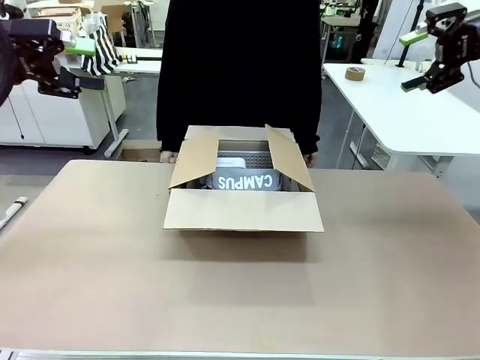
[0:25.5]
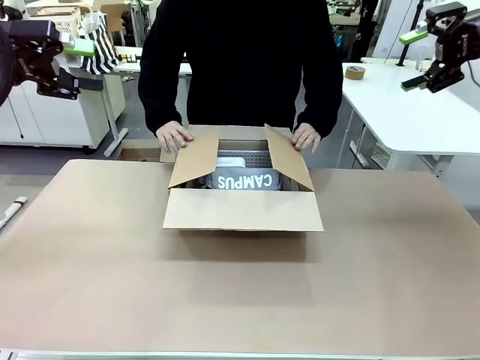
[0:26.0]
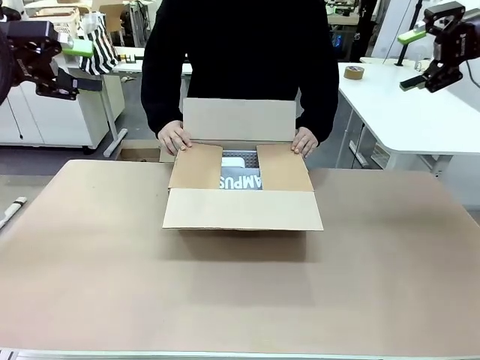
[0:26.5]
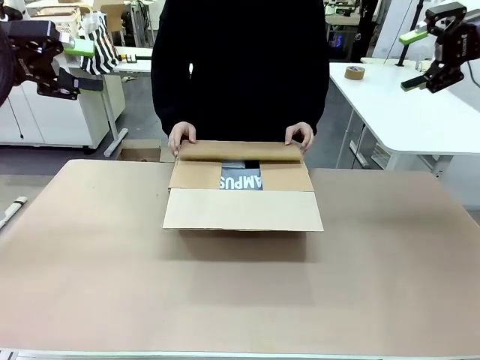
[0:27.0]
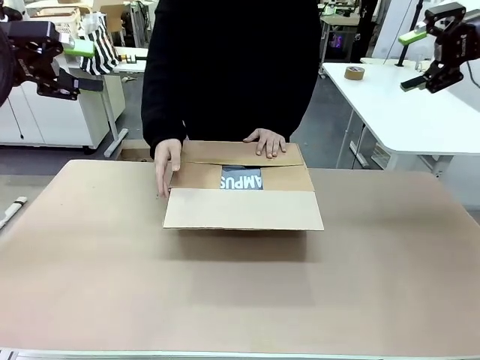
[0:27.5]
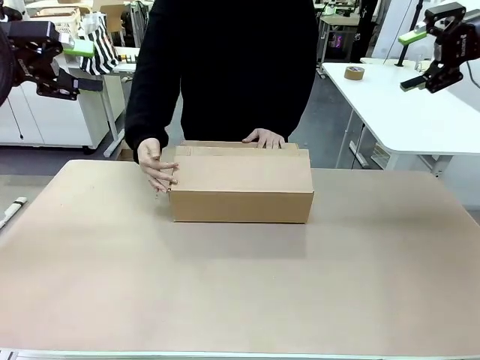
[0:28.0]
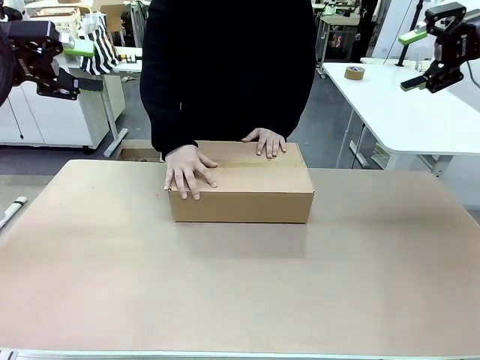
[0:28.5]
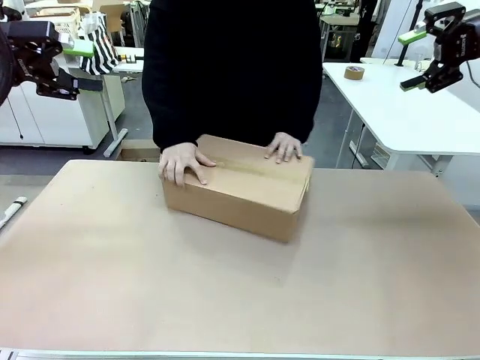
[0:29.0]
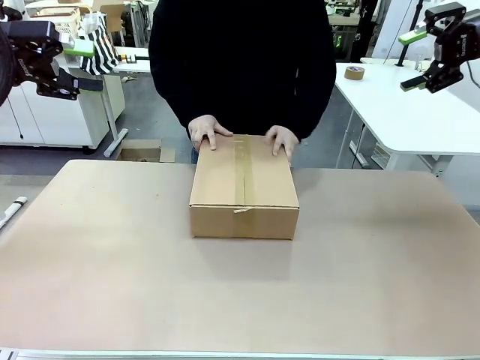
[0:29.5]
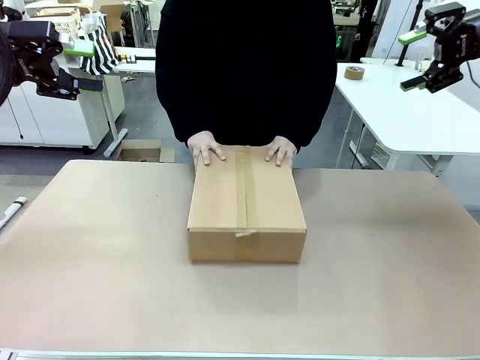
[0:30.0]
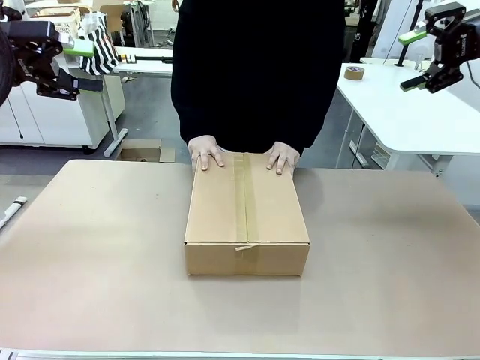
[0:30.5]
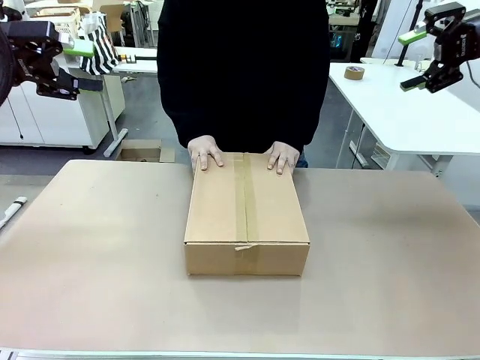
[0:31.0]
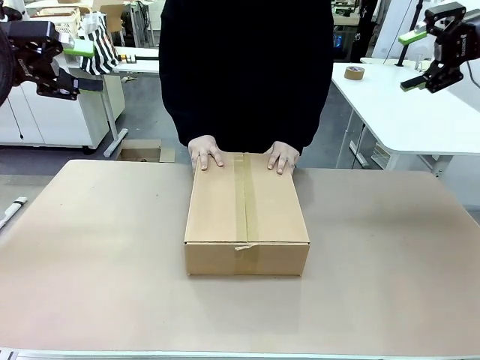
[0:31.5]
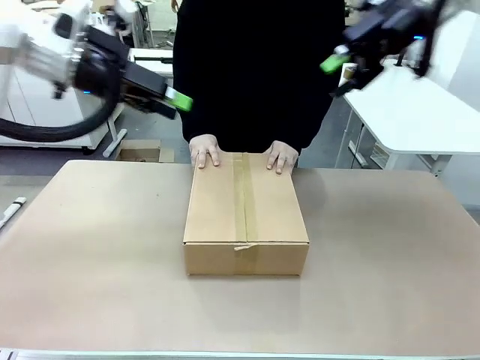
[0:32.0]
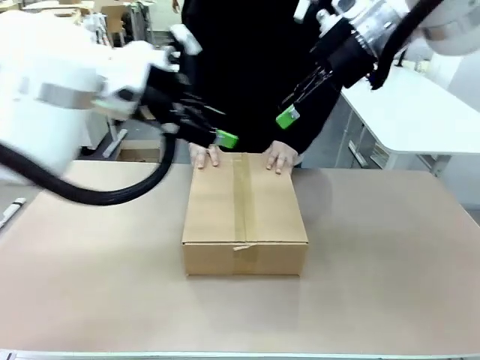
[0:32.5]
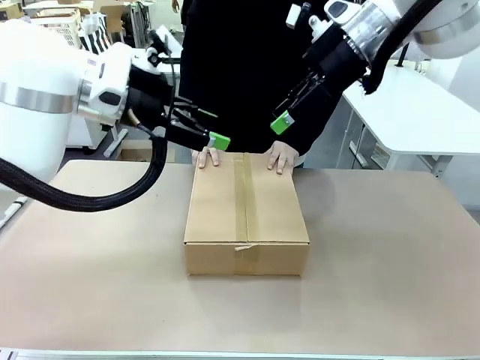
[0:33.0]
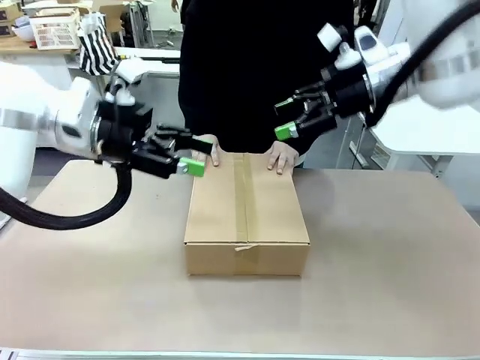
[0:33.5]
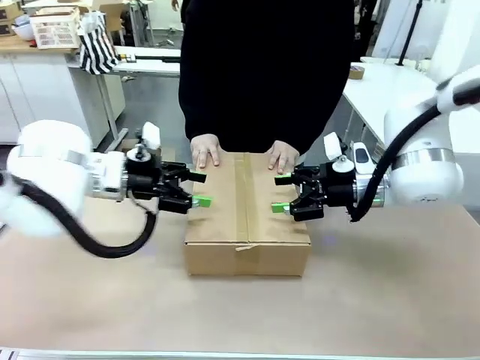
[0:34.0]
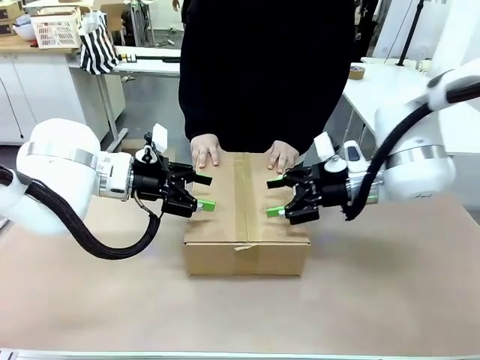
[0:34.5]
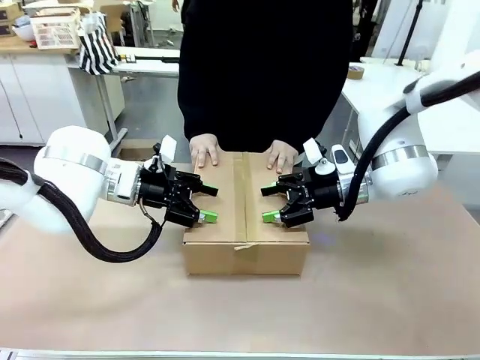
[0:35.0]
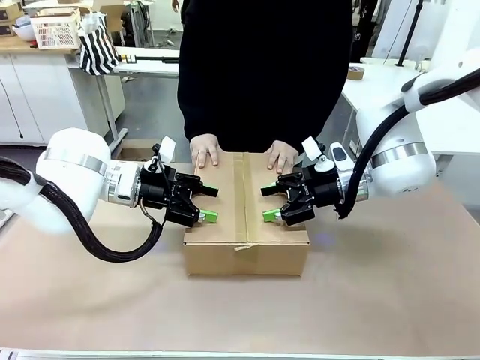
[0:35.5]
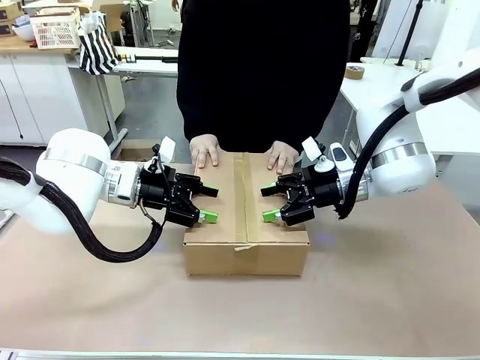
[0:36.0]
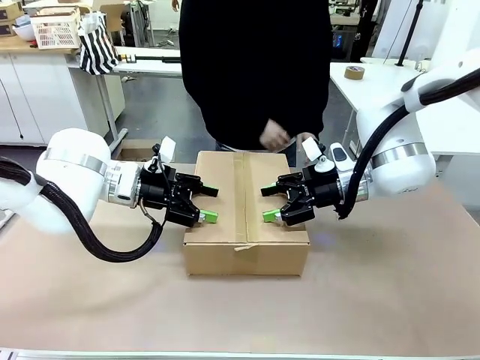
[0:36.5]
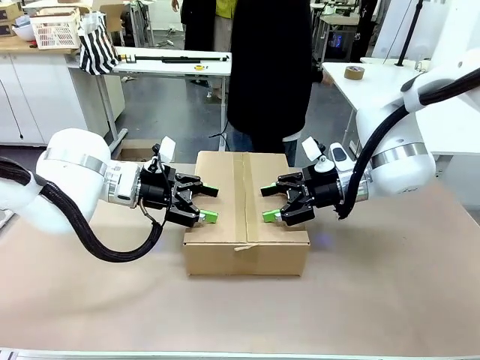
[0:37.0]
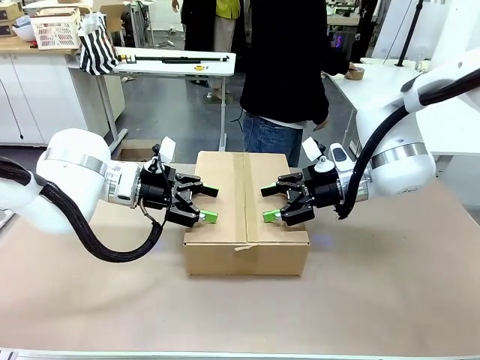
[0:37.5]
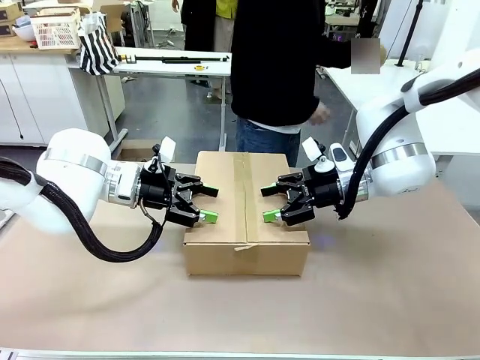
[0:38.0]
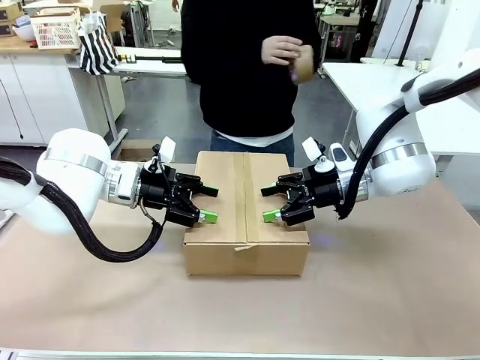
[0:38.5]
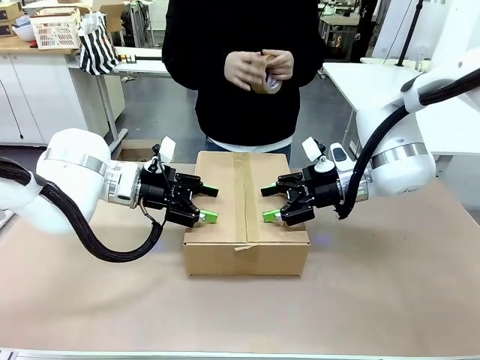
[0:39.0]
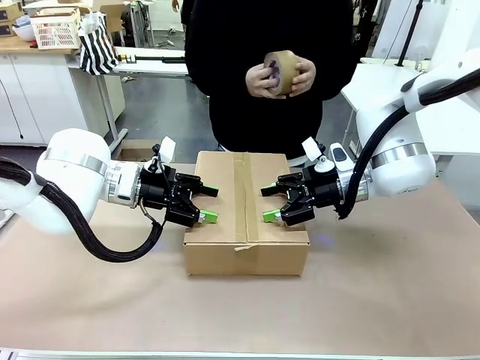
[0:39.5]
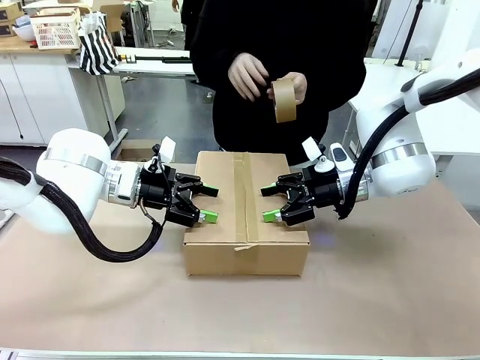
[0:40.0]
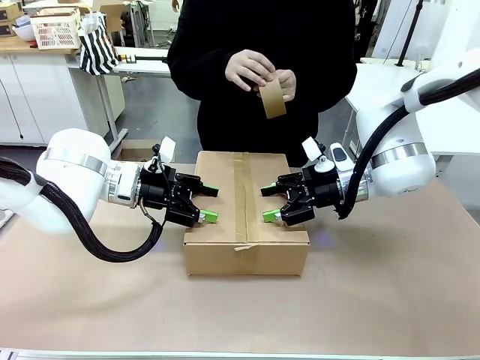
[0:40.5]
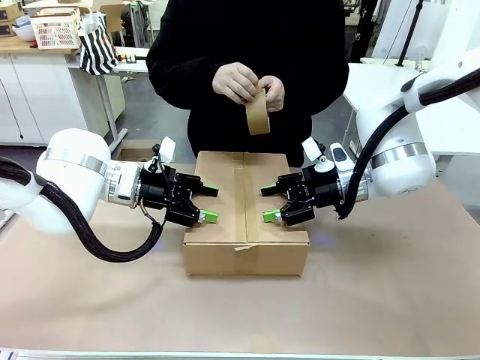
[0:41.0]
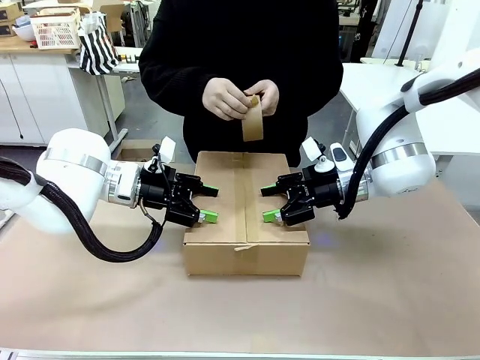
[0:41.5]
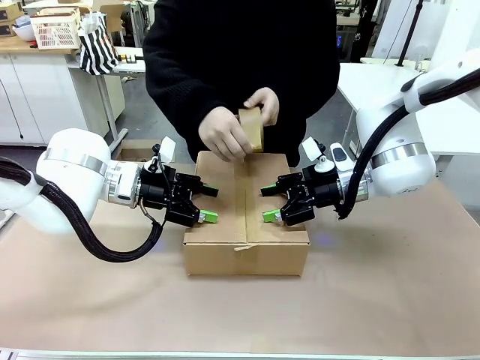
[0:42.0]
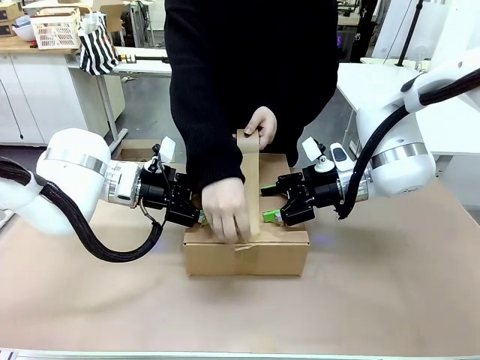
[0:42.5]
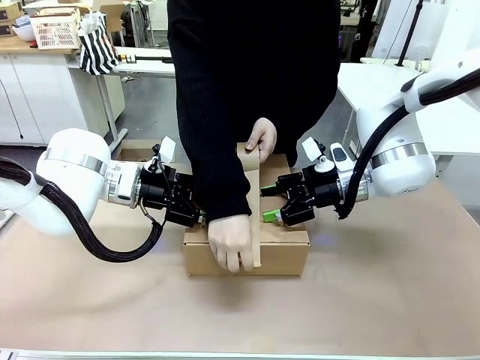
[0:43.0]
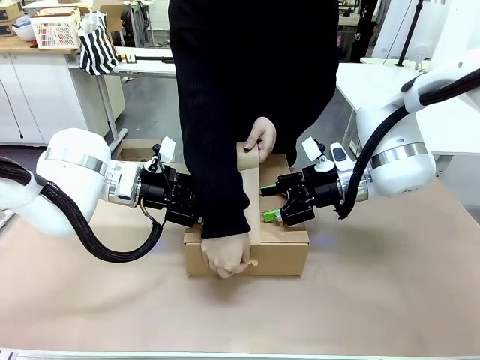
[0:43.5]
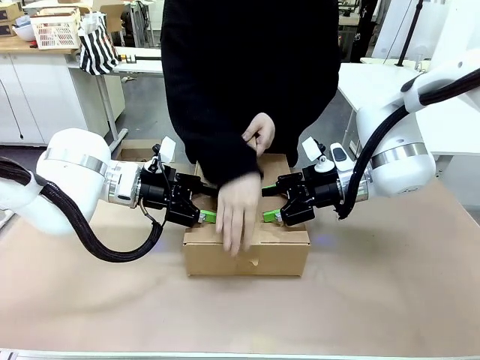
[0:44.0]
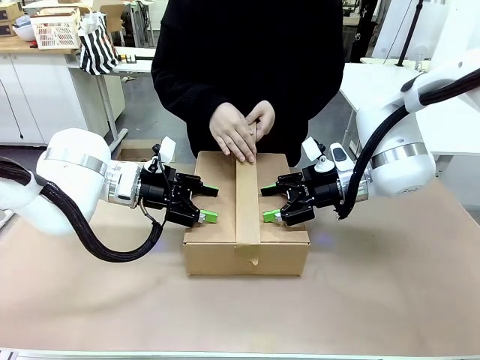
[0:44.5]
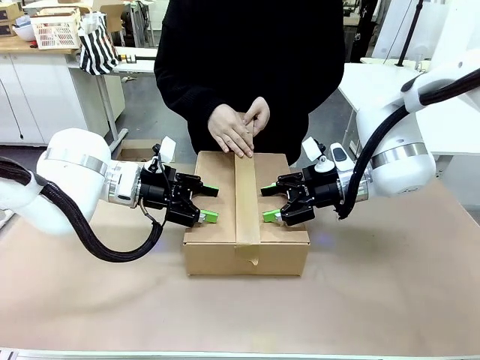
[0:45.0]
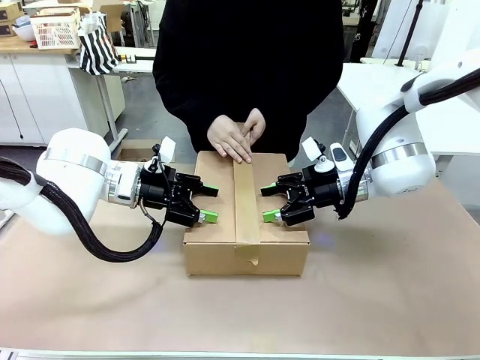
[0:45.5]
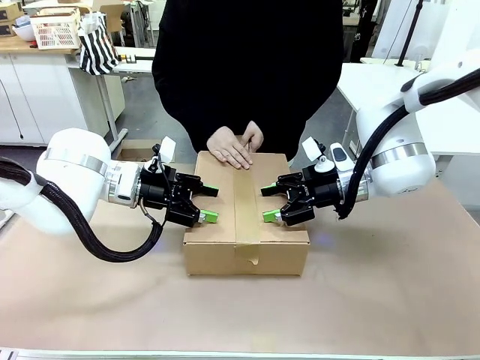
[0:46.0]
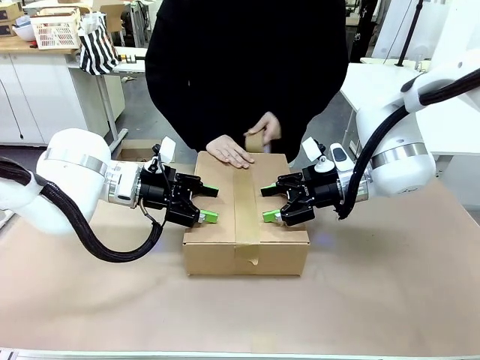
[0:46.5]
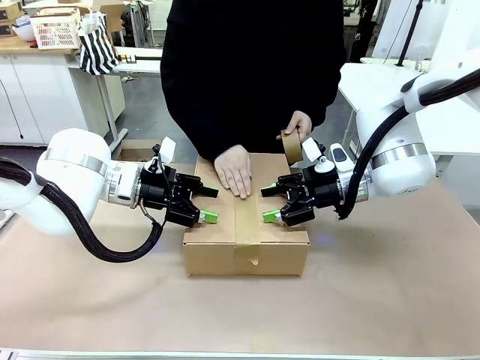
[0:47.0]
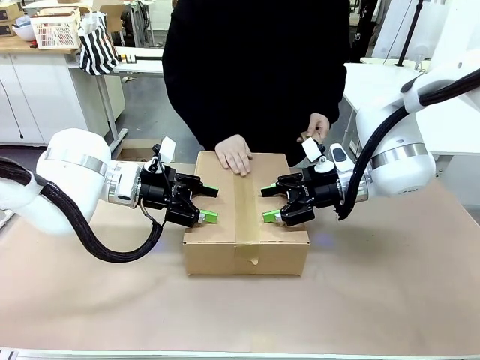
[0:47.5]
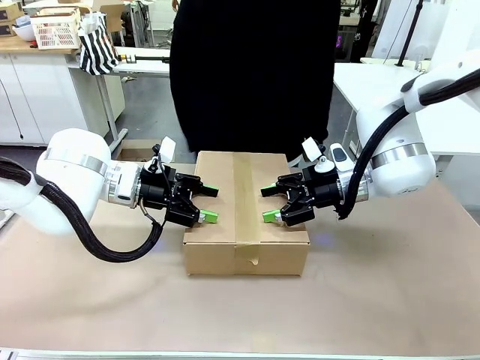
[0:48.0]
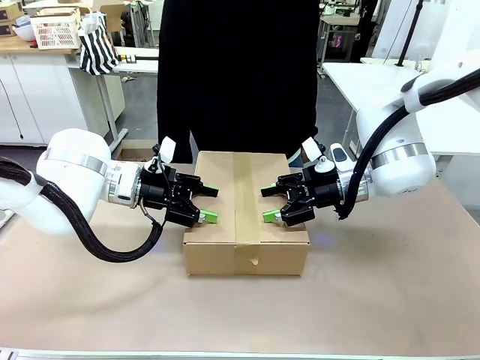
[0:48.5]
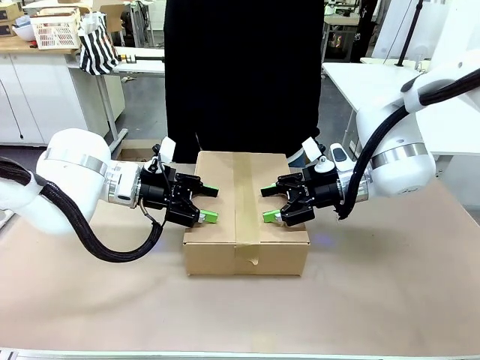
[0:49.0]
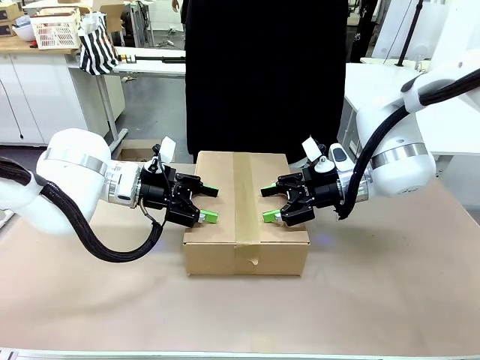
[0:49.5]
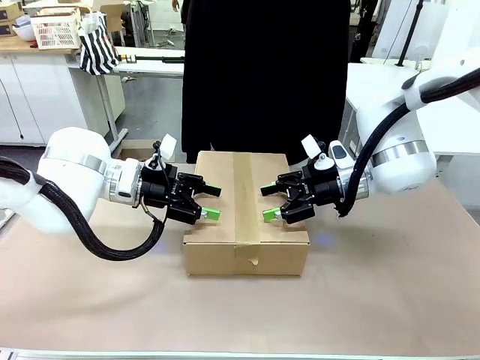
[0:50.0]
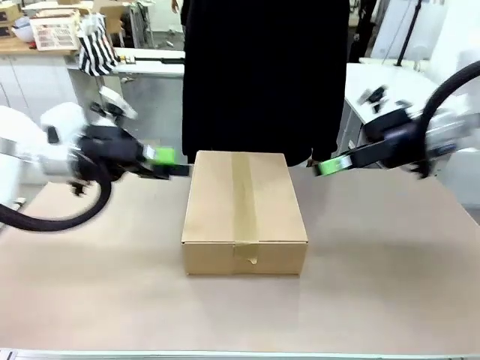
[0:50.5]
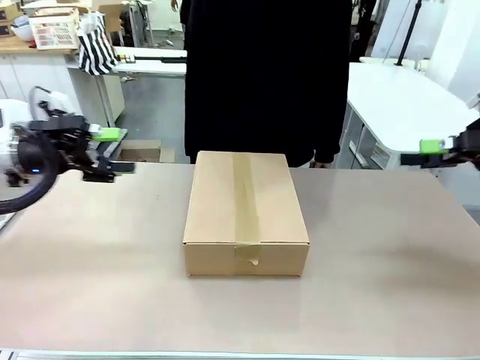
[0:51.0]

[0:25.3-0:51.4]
Task: Pack the gift set into the box.
Robot: Press and hold the closed box until the human finishes sealing it.
Person: The human closes the box and rotates the box by 90 degrees. The human picks up the paper tape from the human table and packs the box.
